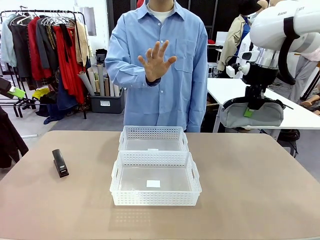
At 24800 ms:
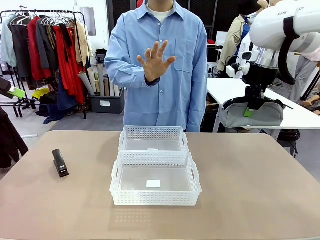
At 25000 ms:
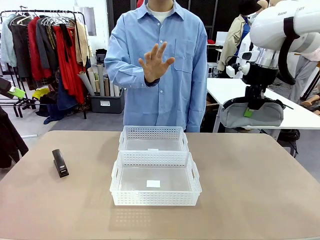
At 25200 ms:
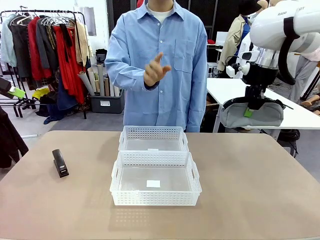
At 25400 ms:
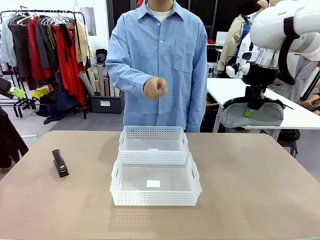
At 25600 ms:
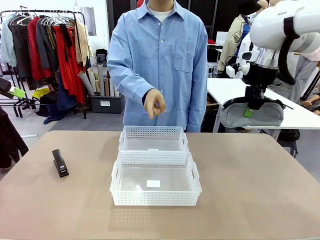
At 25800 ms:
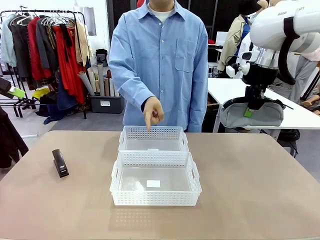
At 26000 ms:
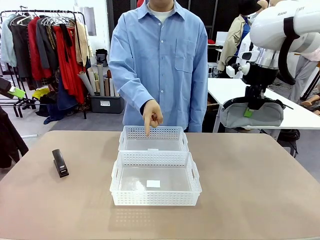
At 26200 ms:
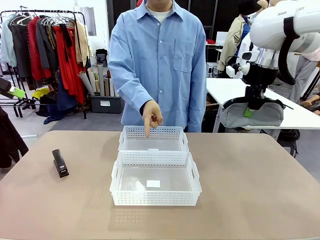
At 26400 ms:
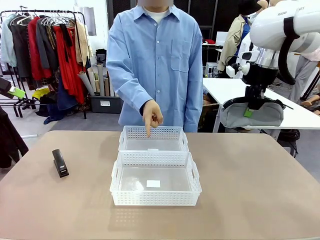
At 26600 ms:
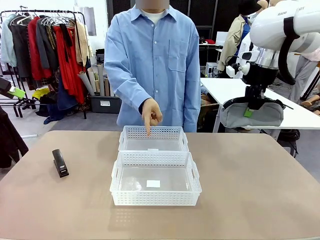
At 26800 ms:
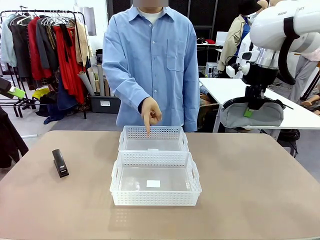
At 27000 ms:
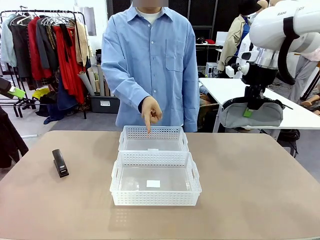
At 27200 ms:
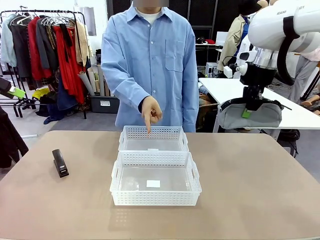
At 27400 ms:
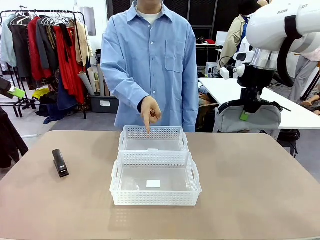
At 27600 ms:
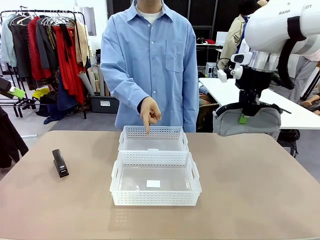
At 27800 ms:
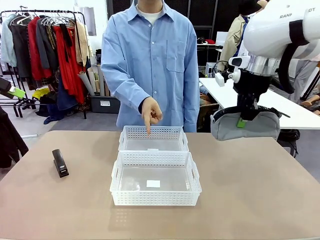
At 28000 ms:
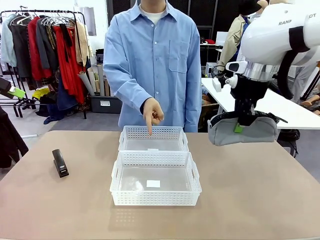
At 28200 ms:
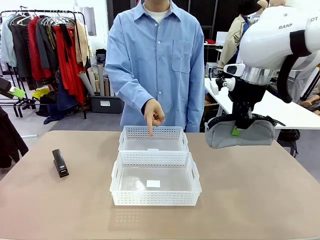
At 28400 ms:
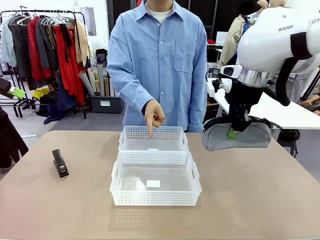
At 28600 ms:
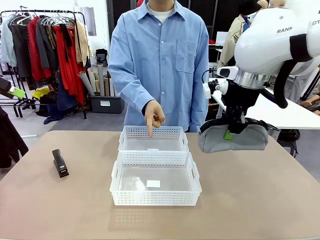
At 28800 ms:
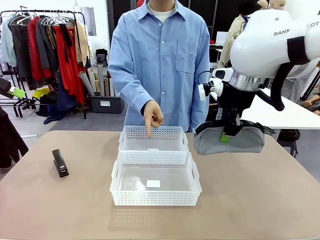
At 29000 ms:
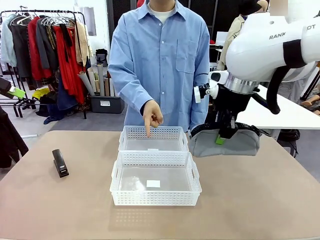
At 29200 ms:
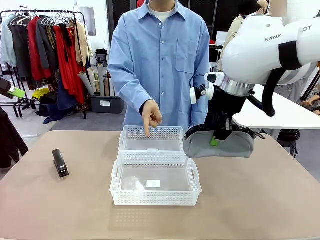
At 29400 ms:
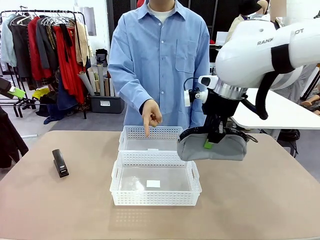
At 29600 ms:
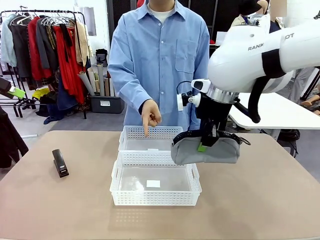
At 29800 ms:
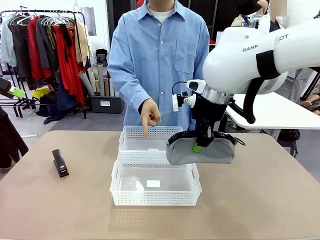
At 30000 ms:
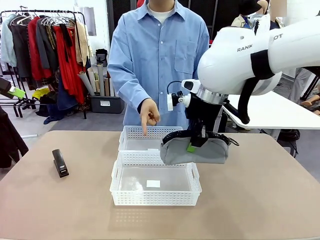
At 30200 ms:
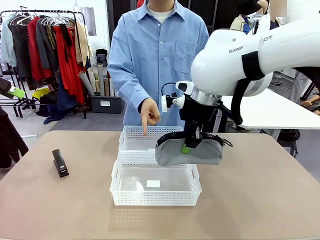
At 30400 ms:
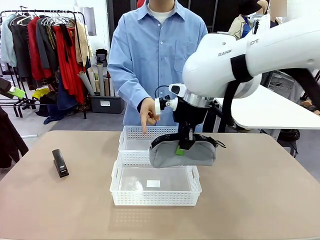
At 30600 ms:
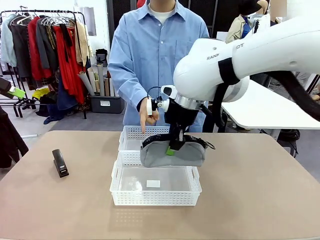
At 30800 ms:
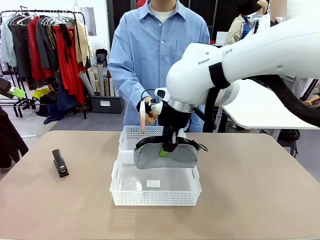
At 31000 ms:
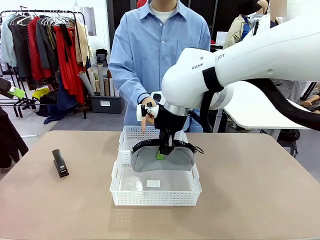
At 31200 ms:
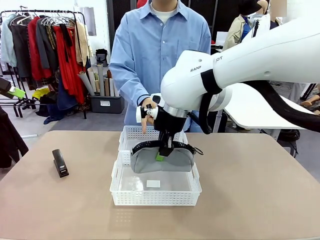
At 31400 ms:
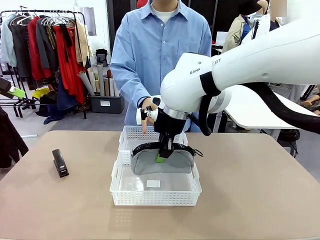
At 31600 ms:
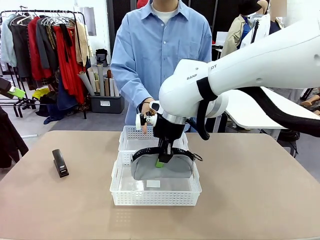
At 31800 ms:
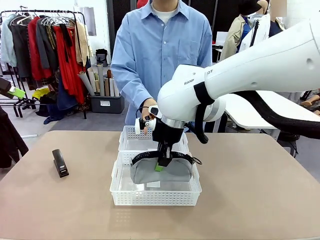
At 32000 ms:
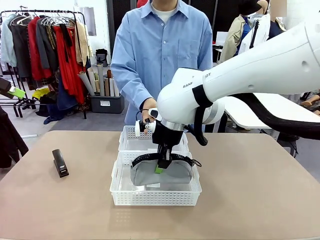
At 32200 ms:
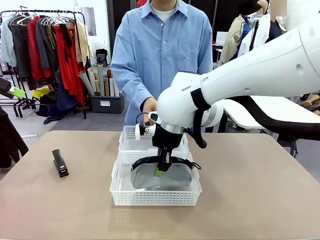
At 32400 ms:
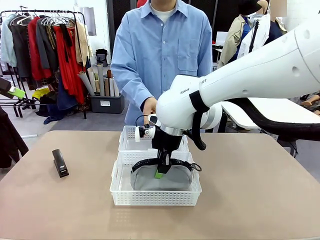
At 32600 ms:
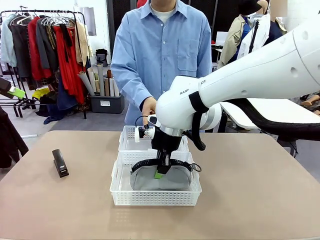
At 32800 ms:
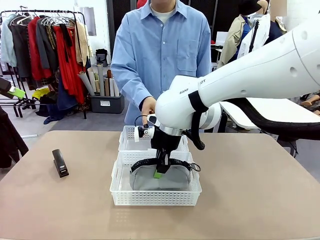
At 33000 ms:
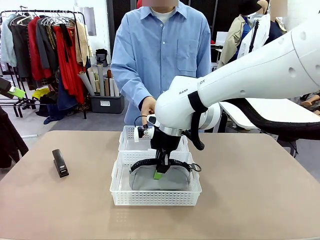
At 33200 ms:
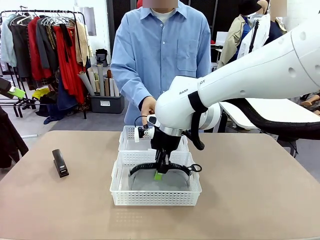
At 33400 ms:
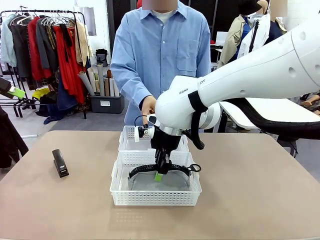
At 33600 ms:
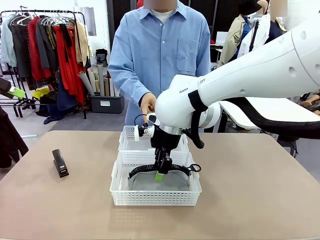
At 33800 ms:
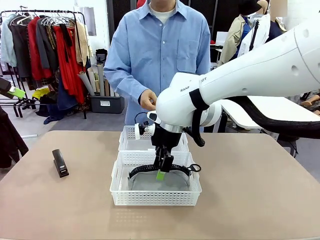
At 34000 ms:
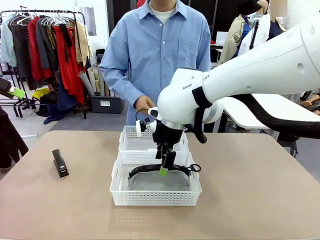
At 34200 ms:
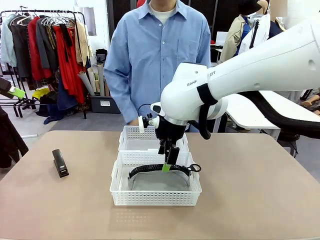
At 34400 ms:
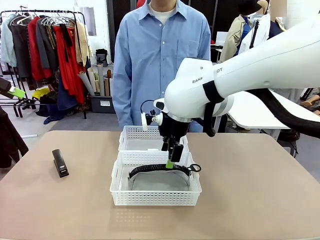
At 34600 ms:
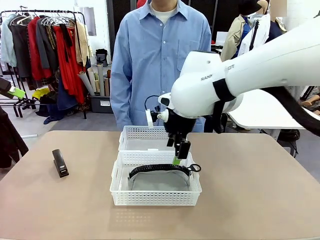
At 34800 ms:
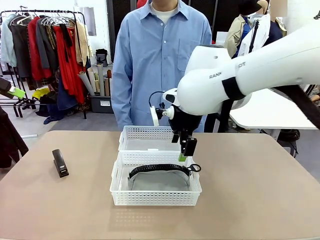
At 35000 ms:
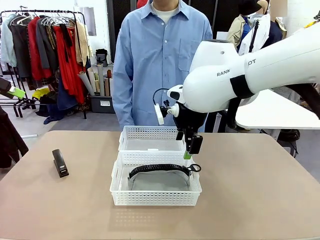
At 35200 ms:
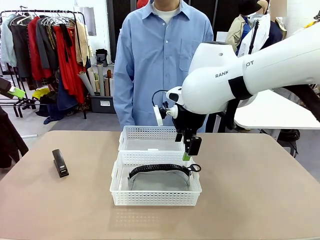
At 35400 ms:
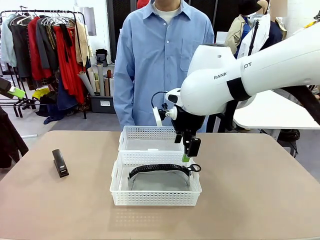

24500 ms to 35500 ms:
Task: Distribute items into two baskets.
Robot: Place the picked Pencil pouch into the Organizing basket as instructed by the person.
Person: Points to the stapler.

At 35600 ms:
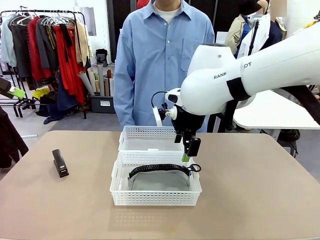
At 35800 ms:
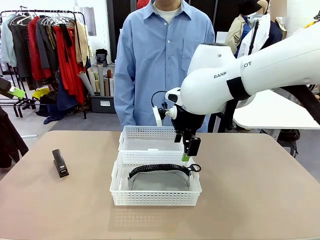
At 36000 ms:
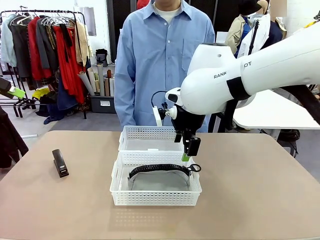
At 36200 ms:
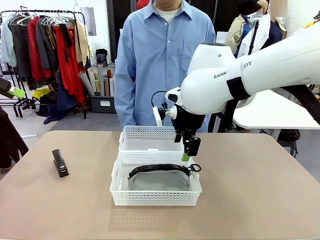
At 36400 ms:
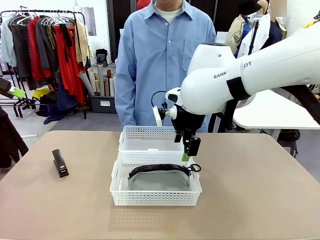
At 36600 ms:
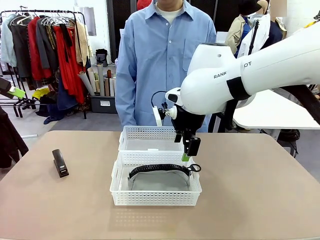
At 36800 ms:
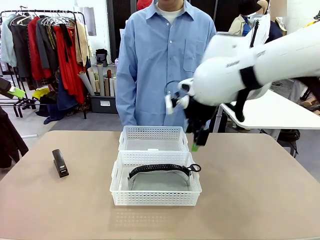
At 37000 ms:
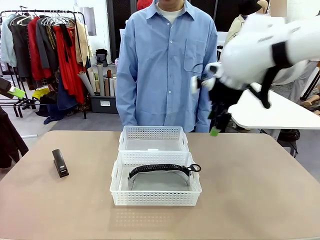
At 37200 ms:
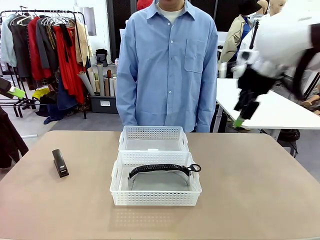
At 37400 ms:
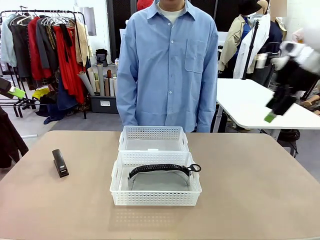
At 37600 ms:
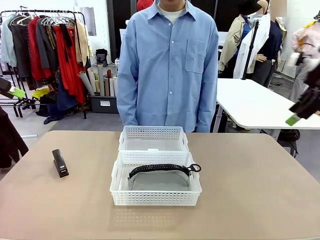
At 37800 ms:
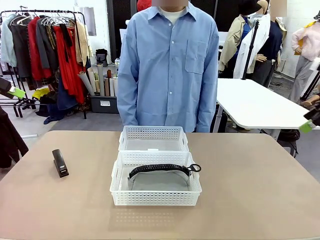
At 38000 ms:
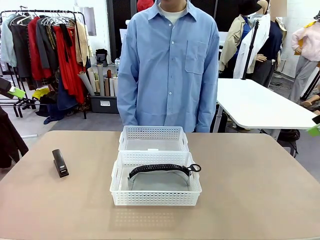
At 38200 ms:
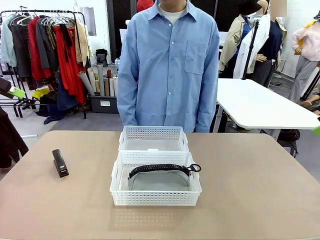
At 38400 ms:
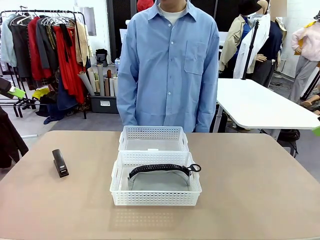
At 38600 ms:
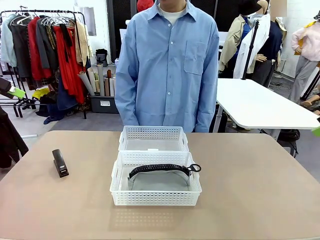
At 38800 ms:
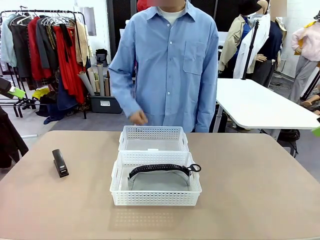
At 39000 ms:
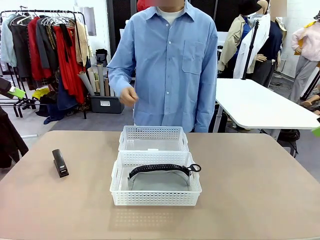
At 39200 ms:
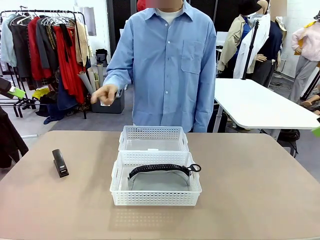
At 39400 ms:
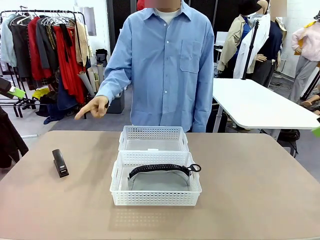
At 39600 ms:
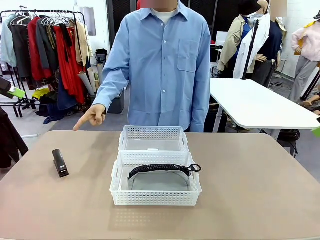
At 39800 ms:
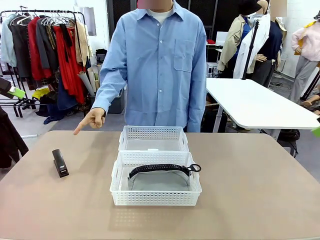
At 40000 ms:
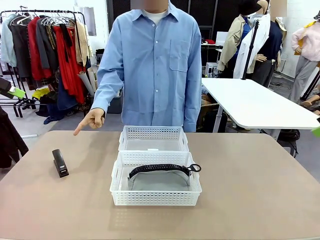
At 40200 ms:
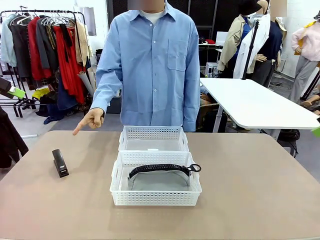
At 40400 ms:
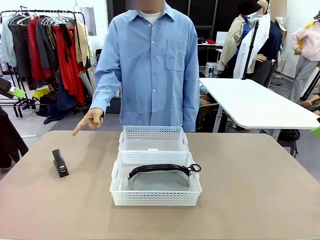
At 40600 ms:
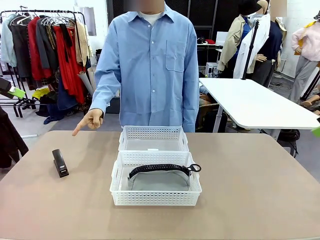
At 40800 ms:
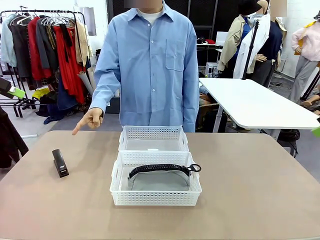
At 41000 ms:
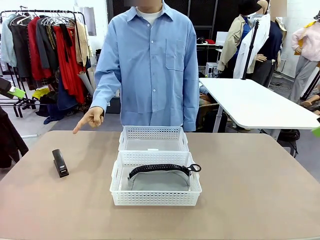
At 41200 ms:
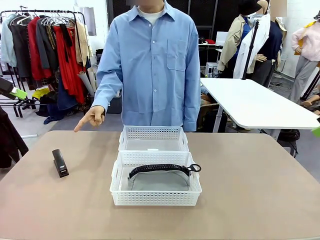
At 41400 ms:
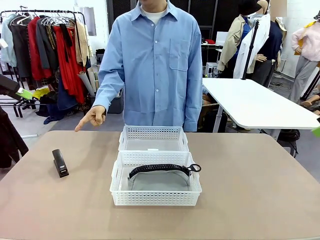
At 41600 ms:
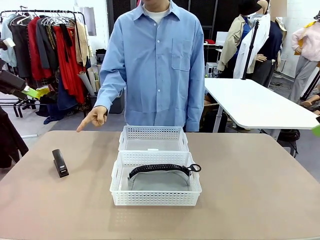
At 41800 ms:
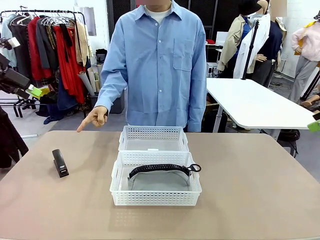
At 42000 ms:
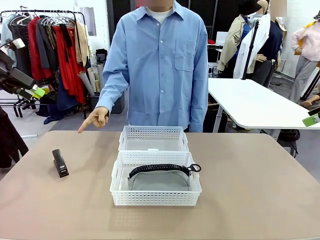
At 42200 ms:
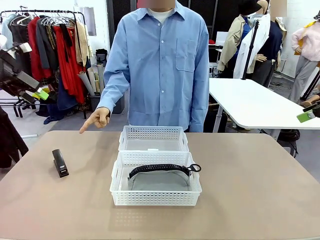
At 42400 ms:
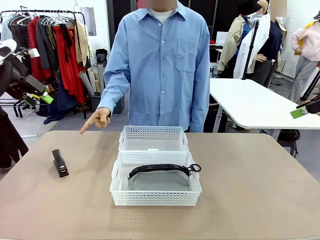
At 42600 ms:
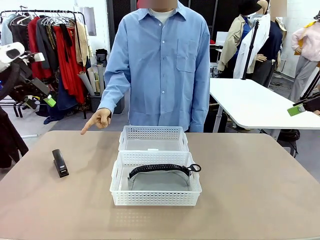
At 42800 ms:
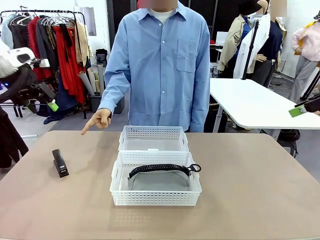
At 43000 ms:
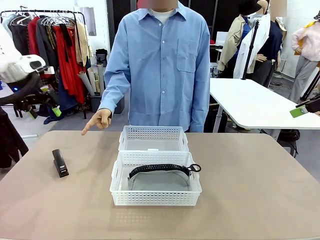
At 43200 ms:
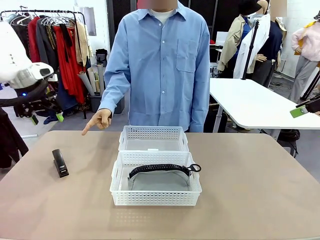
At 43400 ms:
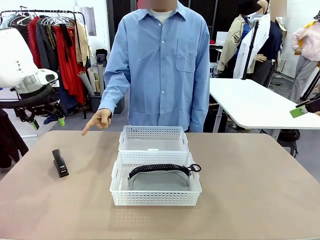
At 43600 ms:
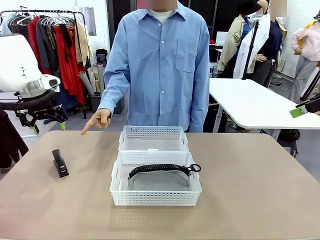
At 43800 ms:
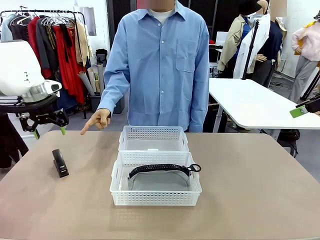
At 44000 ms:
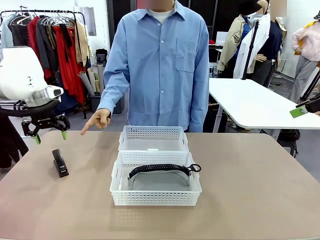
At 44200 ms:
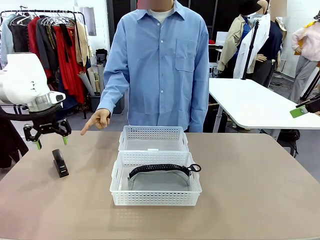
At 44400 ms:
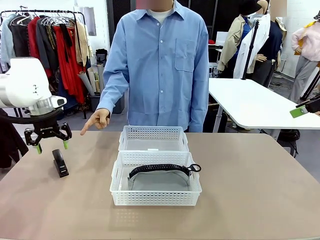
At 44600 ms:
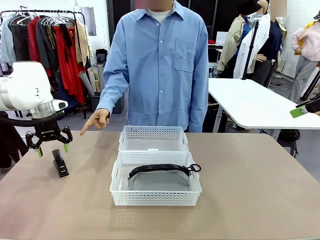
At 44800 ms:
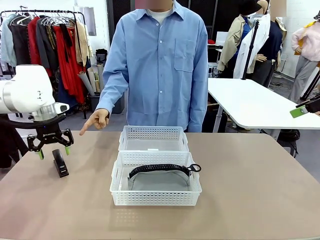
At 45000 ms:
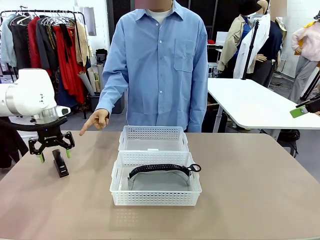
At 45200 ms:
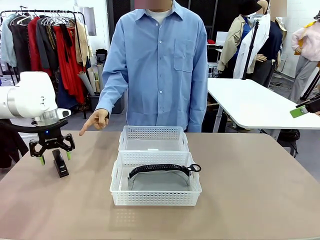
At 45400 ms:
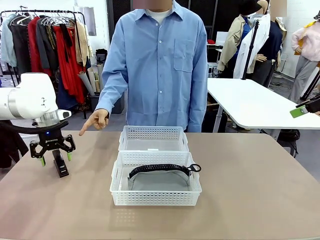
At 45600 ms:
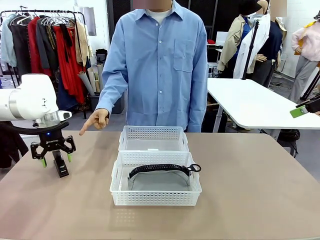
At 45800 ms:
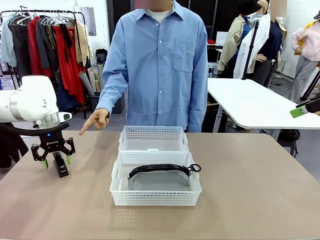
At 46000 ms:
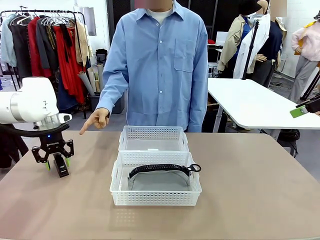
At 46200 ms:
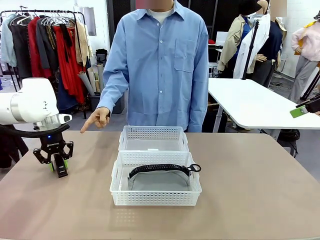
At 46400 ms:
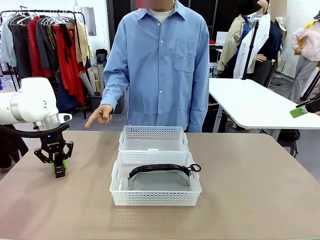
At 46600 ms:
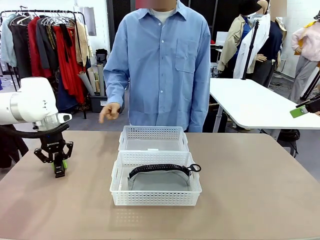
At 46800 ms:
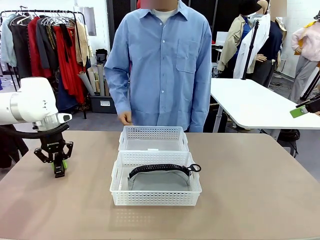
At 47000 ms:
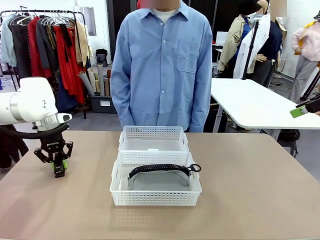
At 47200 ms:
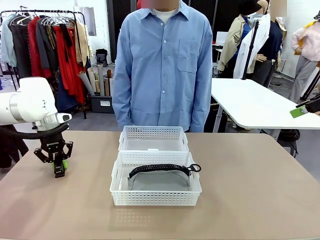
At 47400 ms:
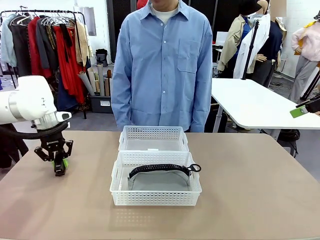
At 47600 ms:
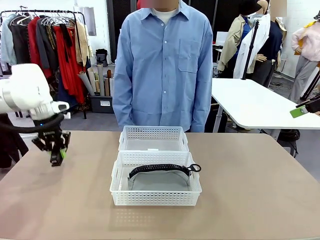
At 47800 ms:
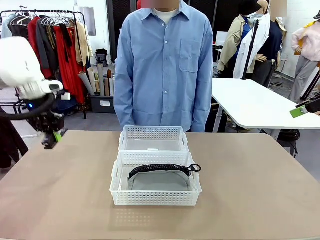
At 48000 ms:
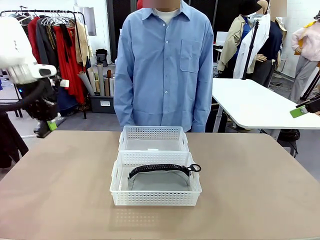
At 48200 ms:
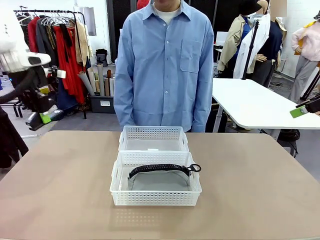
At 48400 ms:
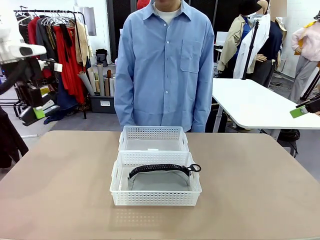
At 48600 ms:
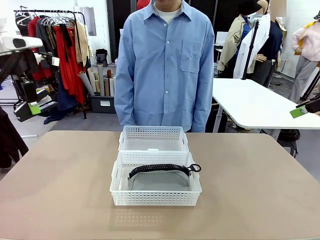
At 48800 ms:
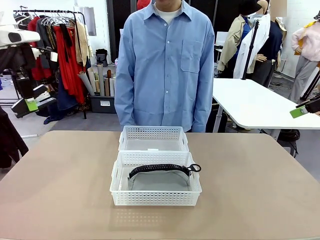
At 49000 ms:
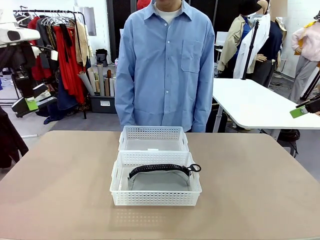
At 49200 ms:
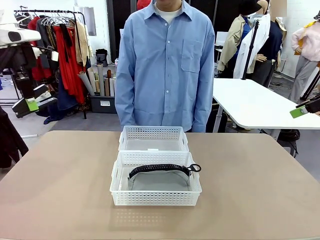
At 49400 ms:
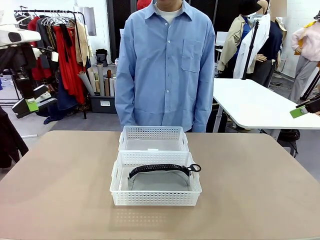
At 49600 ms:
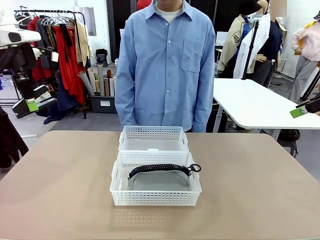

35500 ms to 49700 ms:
Robot: Pick up the Stapler that the person points to.
